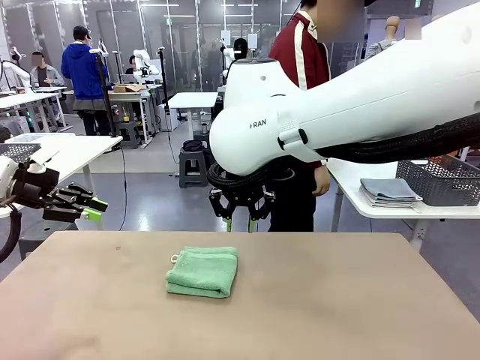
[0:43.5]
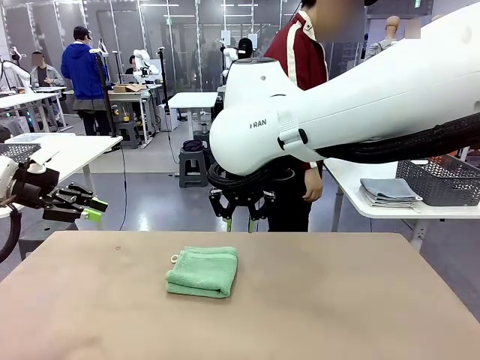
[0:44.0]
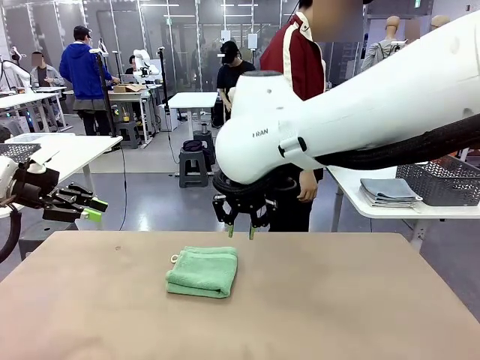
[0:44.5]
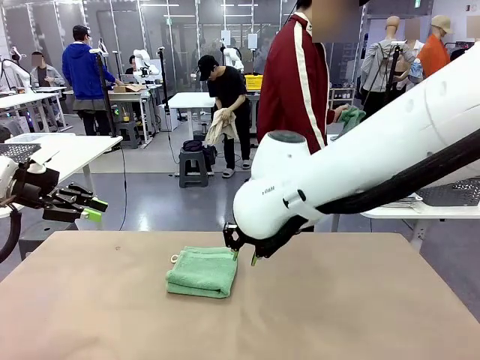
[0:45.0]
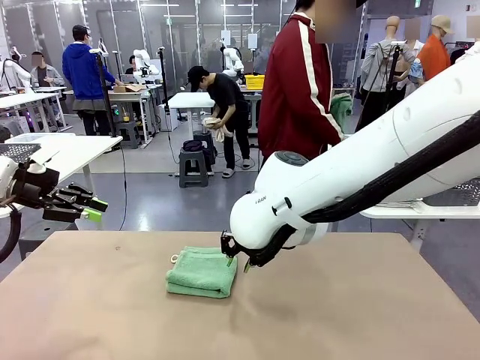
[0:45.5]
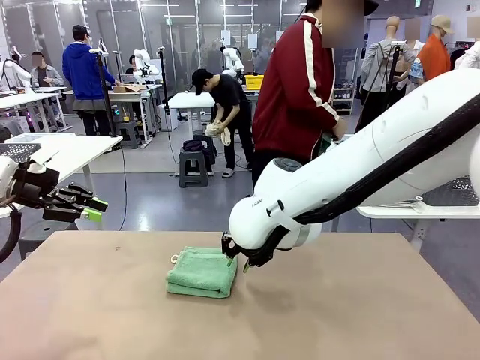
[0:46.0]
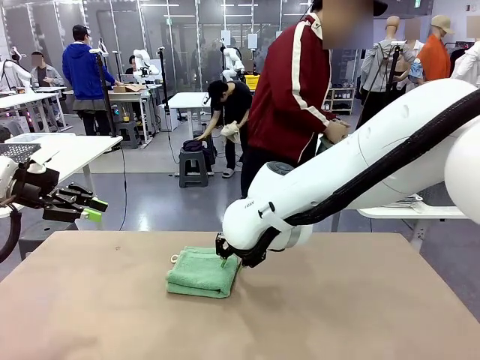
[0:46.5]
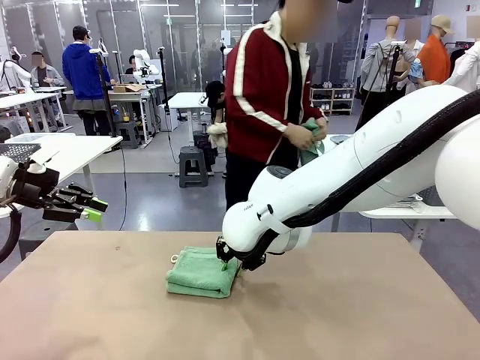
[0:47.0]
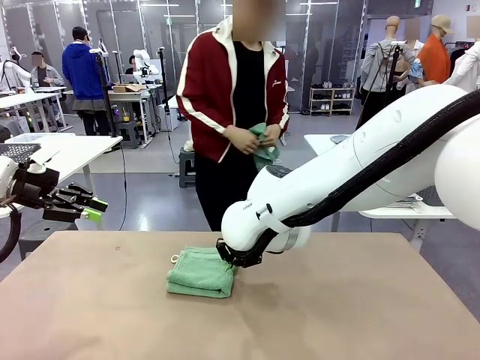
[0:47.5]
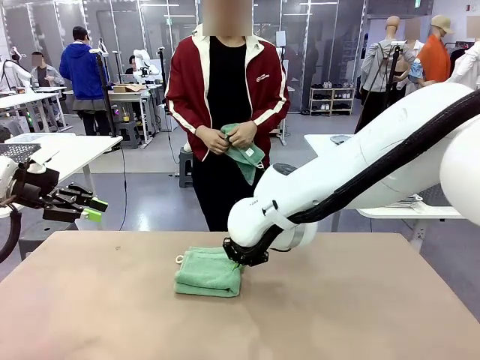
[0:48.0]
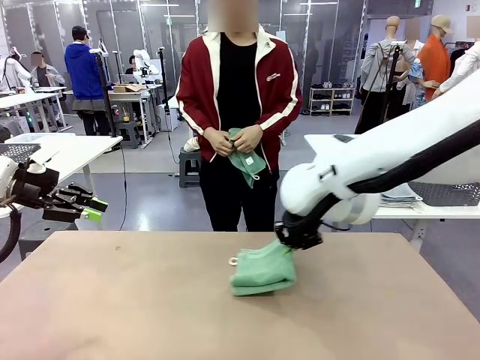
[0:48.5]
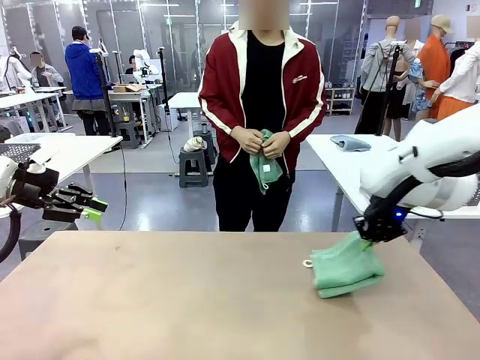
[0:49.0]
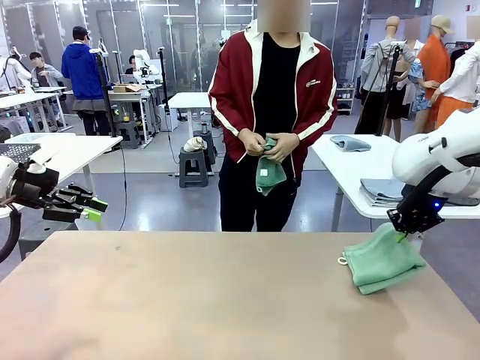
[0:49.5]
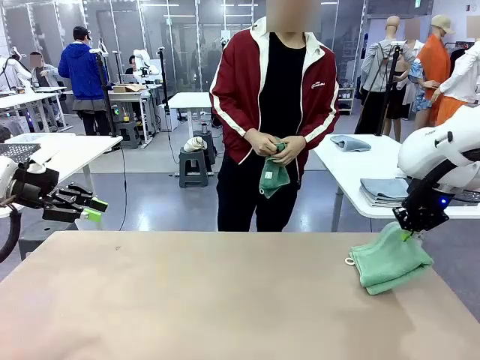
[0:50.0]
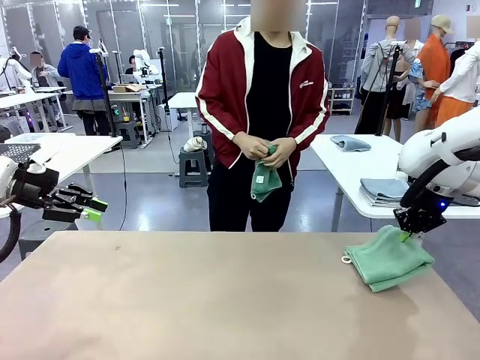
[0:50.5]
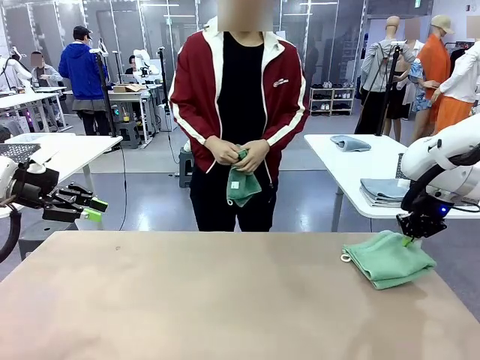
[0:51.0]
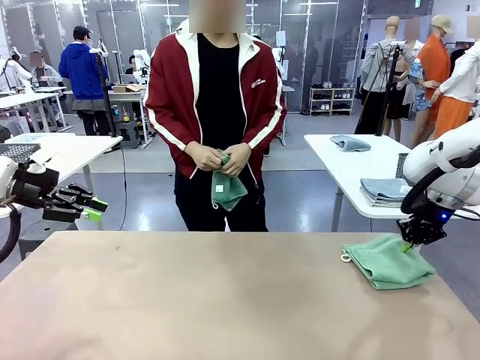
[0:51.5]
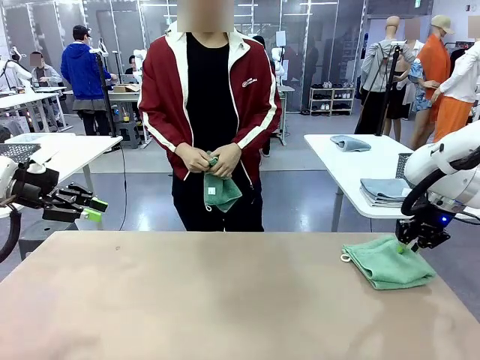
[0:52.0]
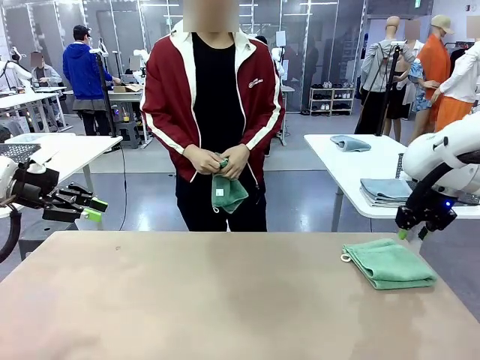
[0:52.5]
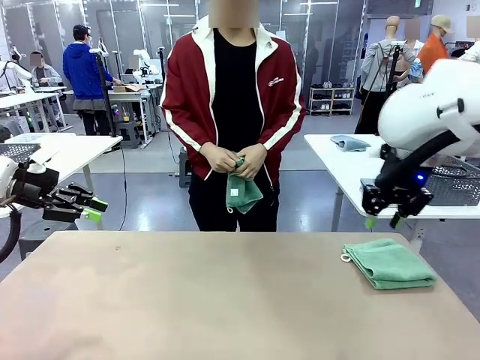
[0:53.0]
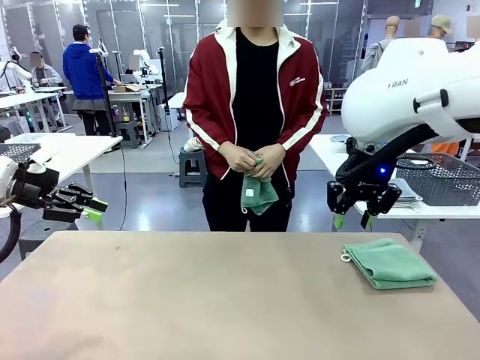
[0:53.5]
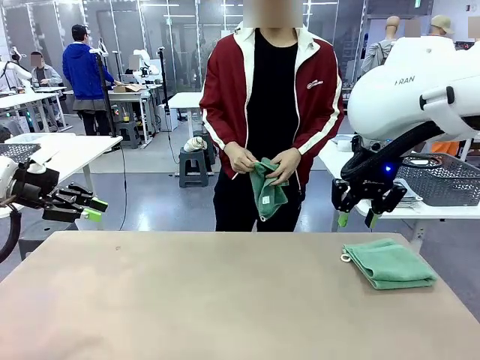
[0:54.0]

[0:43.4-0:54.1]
Task: Fold the towels and place them in the basket.
Robot: Place the folded Towel with hook on the right side of the table.
Person: Pick up one towel from the left side of the human table and spread it out at the center of the robot table.

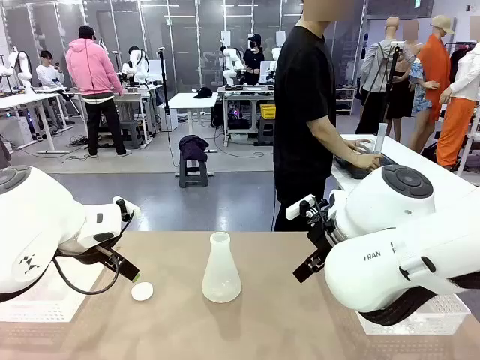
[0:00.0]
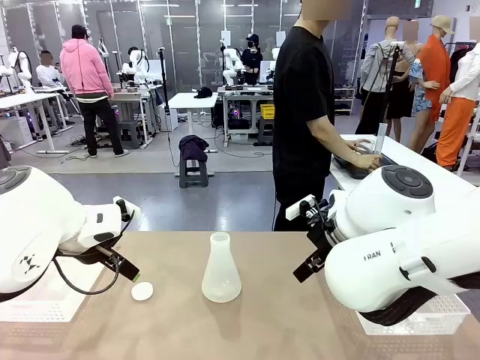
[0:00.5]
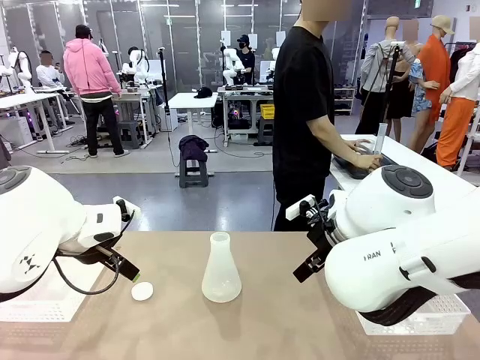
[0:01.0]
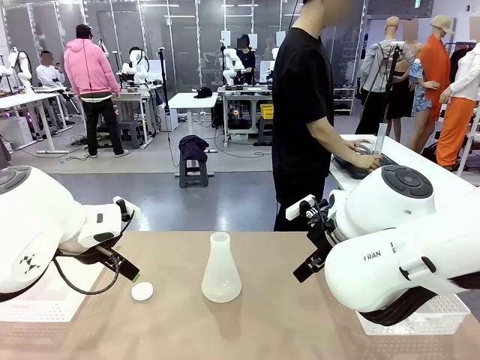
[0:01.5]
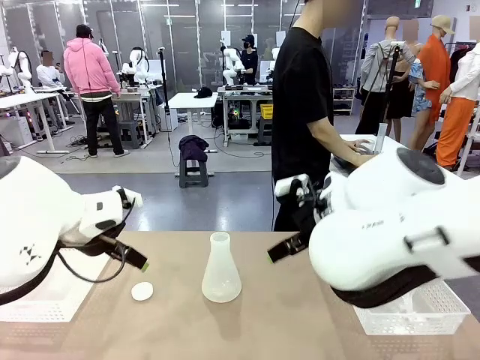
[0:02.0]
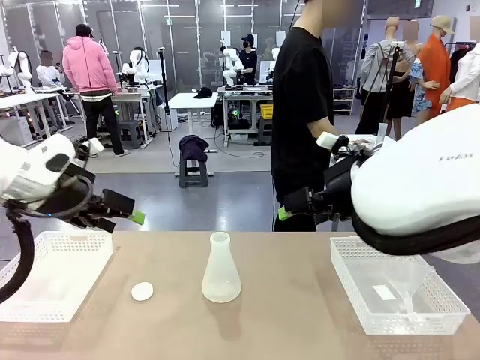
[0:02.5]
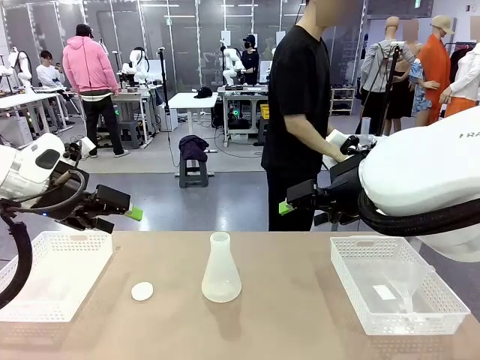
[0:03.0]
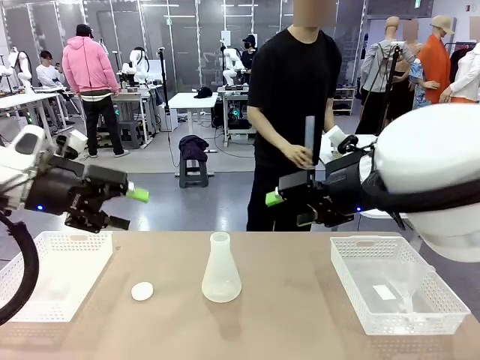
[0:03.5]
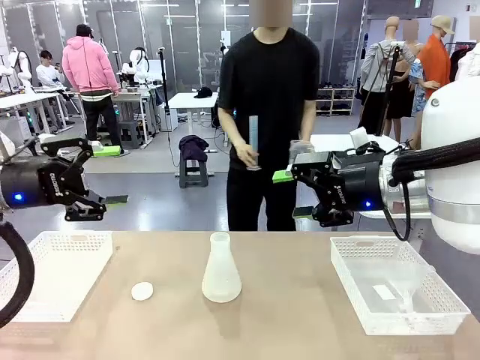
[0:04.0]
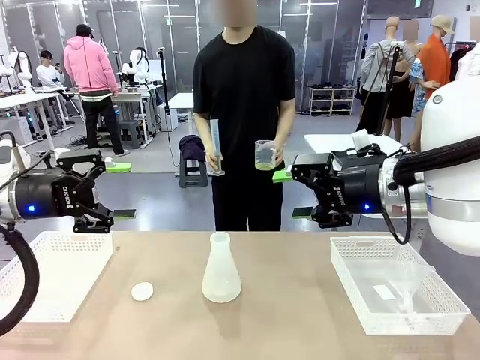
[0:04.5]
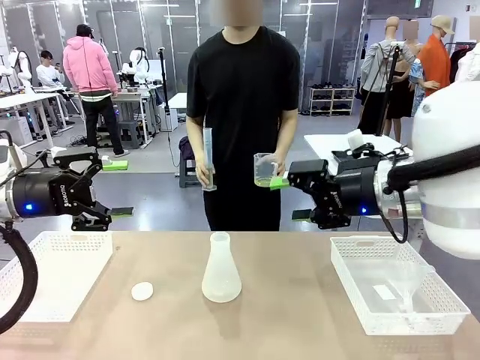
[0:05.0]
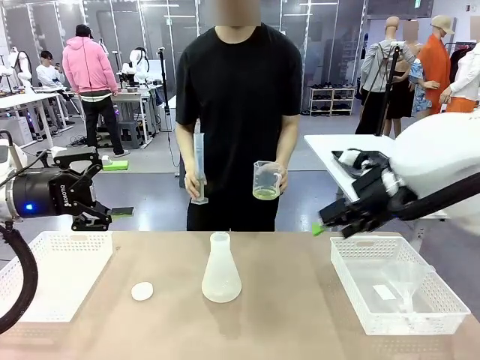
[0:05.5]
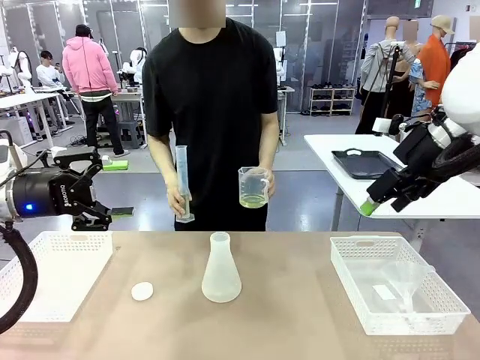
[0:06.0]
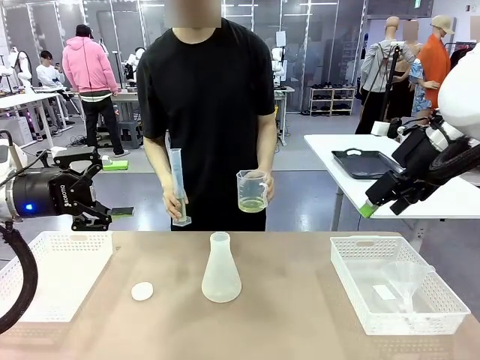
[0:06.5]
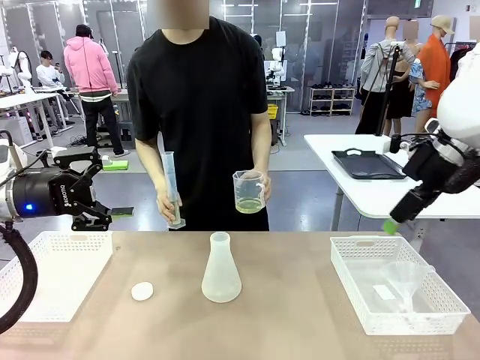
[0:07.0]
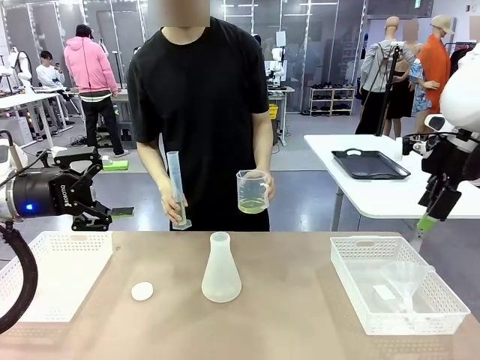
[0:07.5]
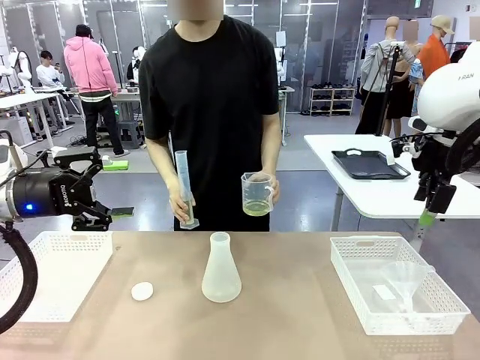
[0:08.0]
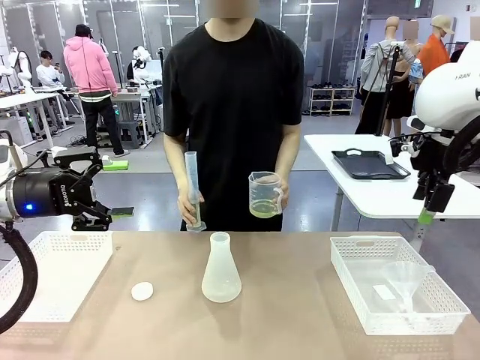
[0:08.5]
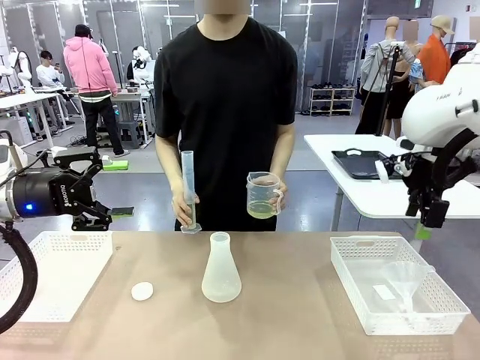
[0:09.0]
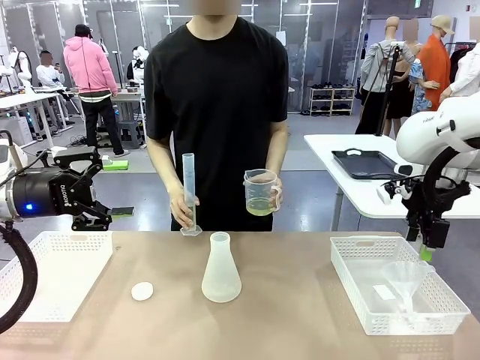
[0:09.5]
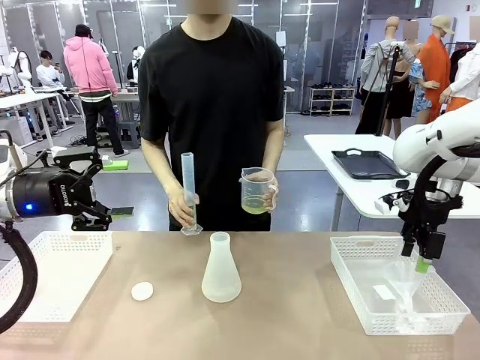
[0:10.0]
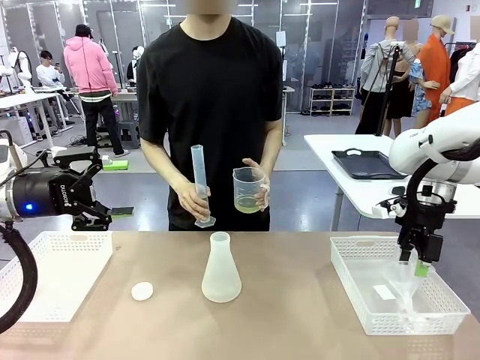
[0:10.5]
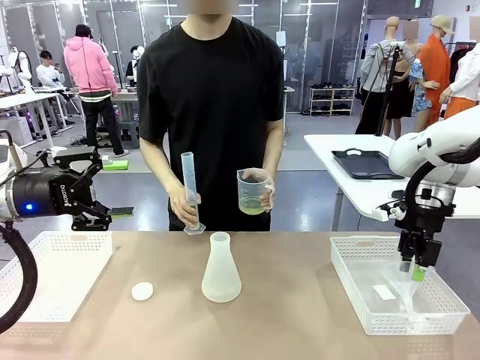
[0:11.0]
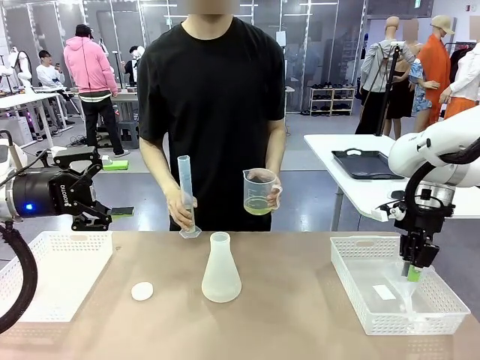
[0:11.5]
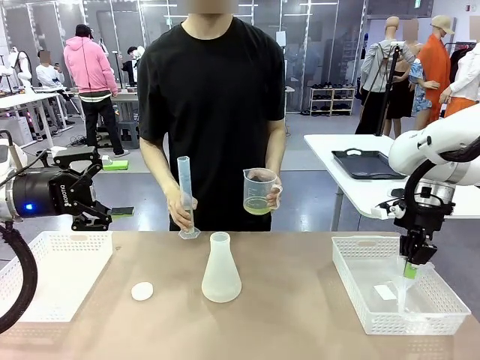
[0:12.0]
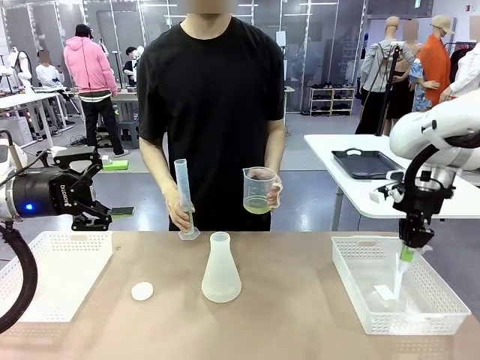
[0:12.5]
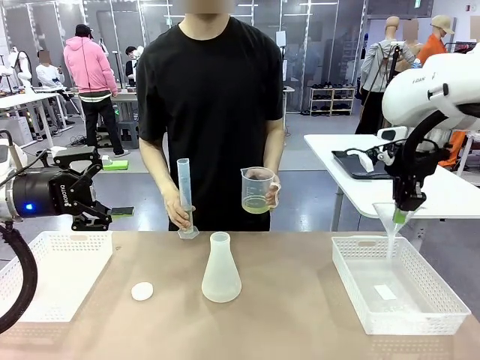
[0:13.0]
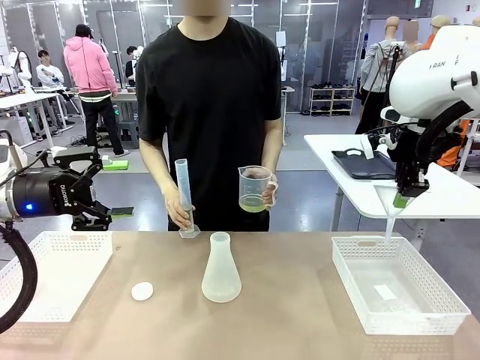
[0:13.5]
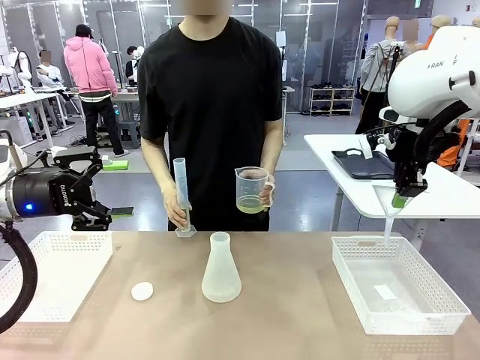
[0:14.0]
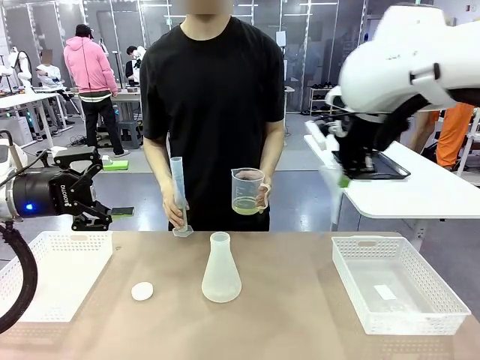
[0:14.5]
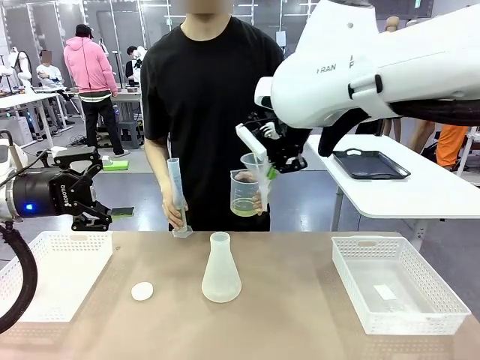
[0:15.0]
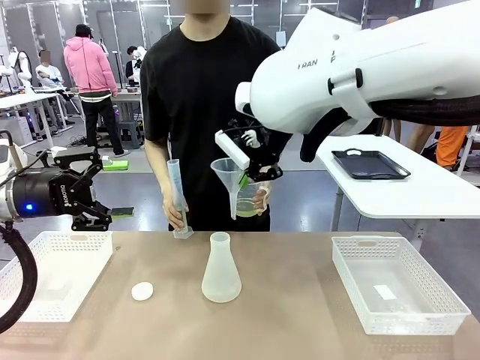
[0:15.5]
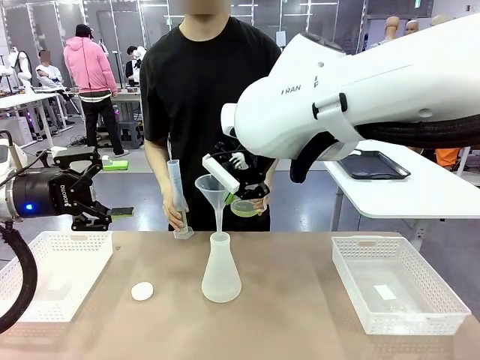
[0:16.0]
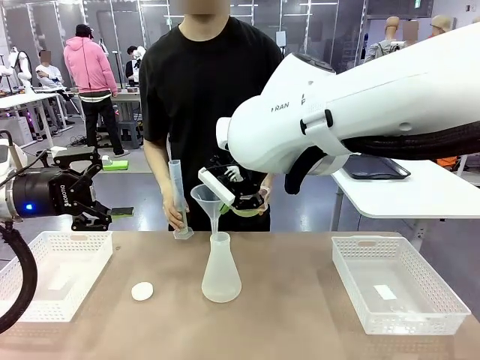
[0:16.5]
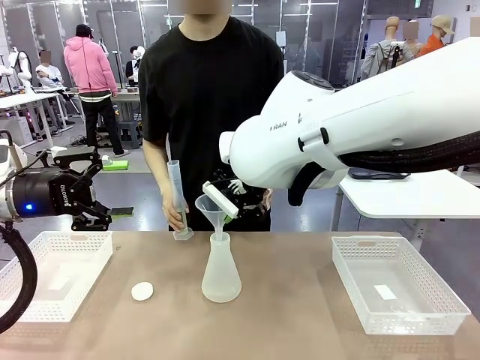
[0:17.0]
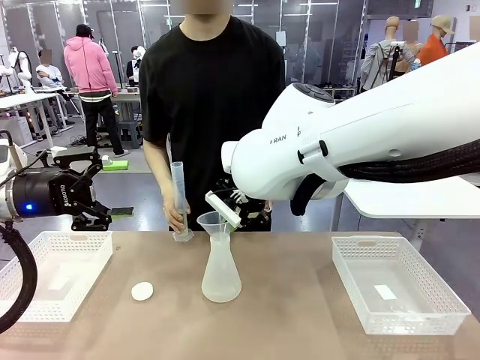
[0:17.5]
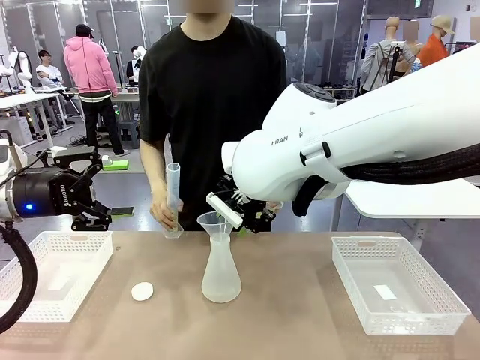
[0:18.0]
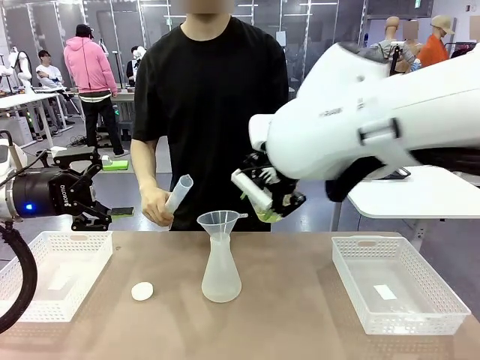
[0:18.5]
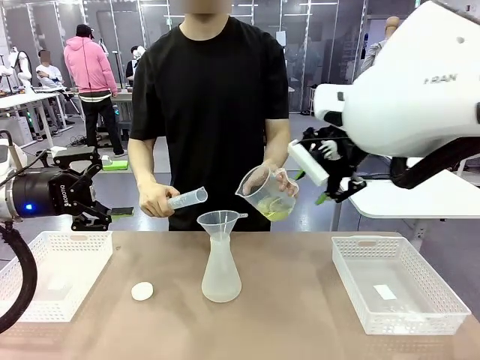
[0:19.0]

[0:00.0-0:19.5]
Task: Prepare the solutions needed for the experiment.
Robot: Pick up the Plastic Funnel and insert it into the Big flask.
Person: Pick up the beaker and the cylinder and move to the middle of the robot table. Pour the solution from the beaker and the cylinder into the flask.
